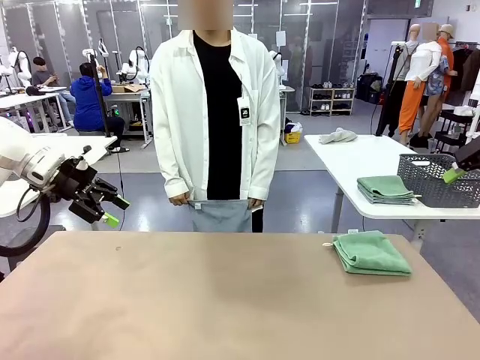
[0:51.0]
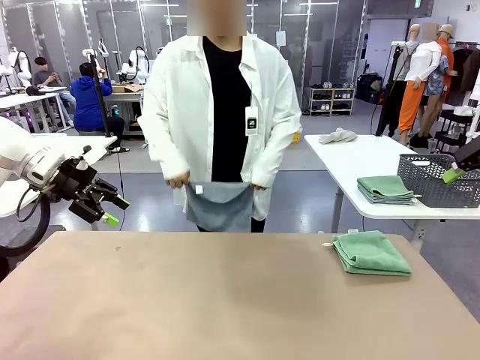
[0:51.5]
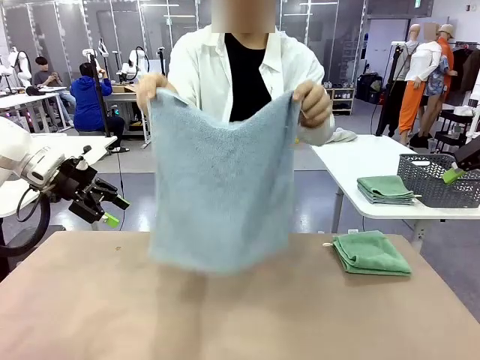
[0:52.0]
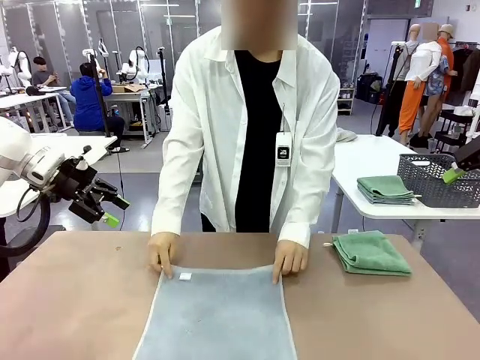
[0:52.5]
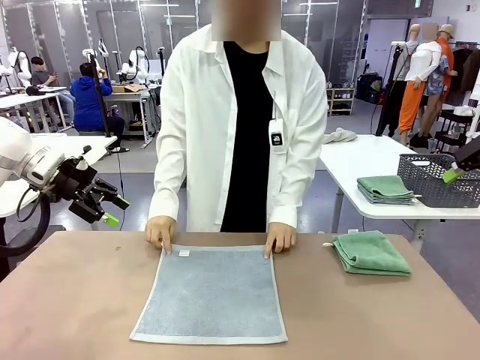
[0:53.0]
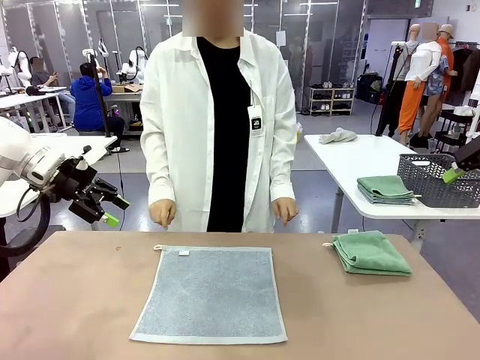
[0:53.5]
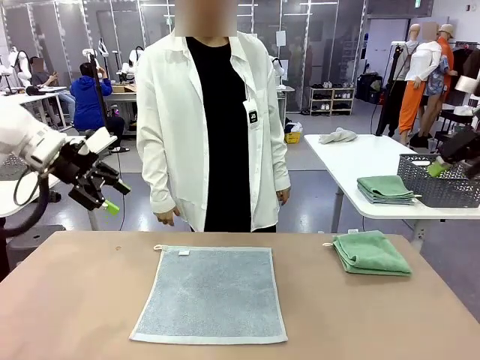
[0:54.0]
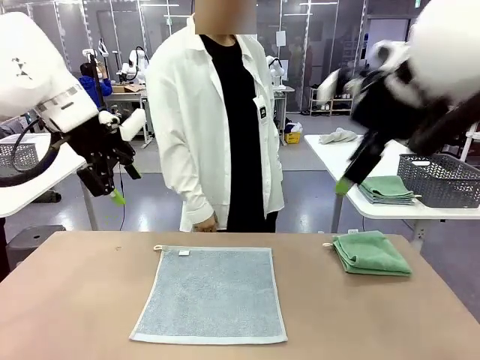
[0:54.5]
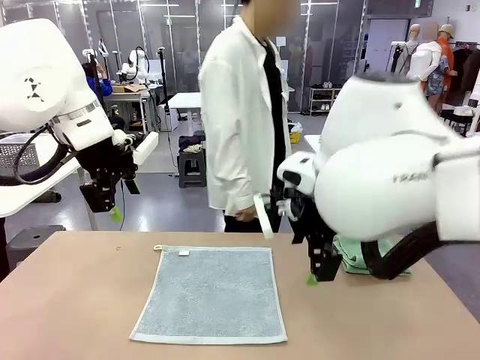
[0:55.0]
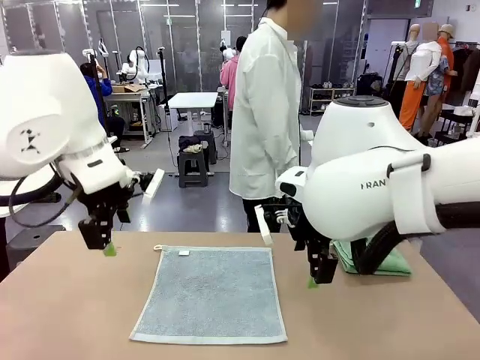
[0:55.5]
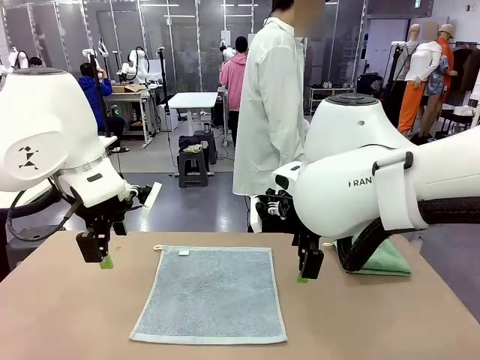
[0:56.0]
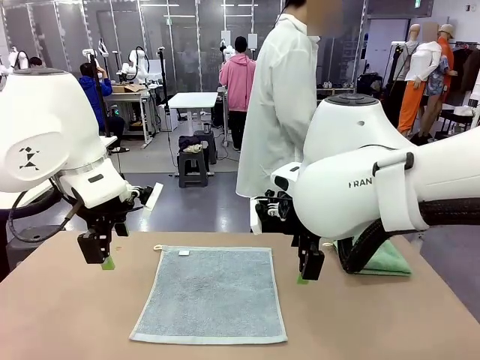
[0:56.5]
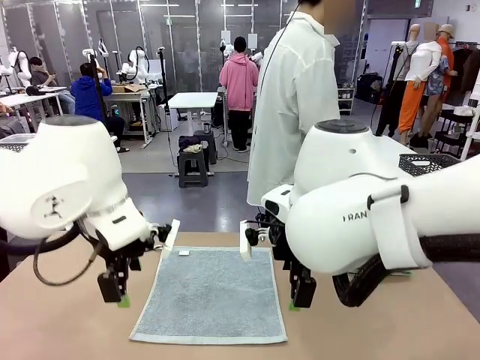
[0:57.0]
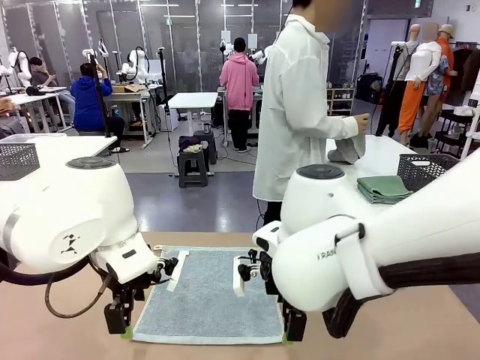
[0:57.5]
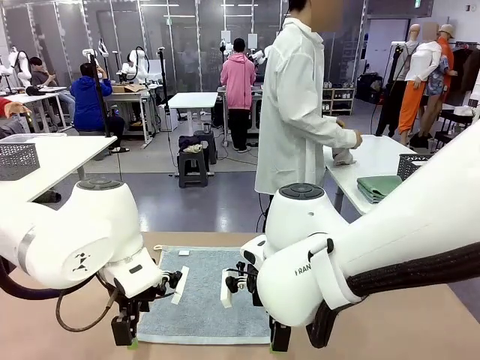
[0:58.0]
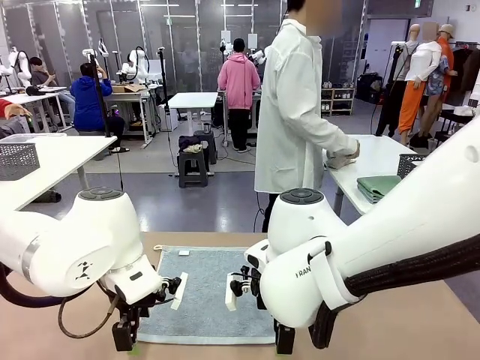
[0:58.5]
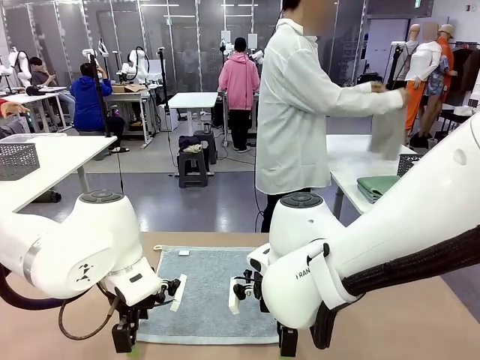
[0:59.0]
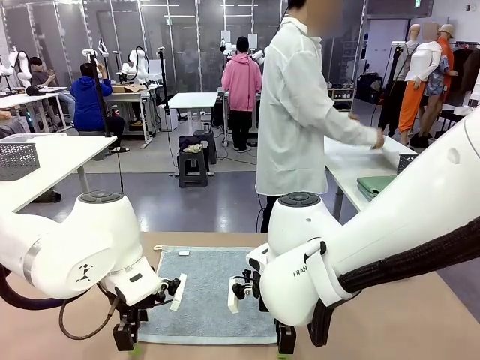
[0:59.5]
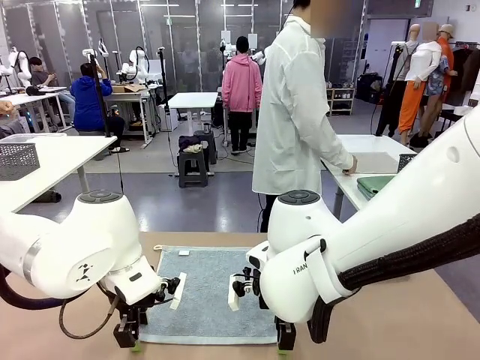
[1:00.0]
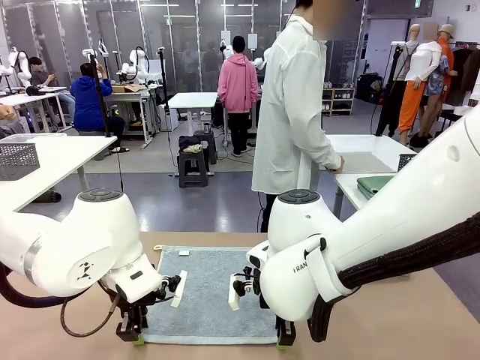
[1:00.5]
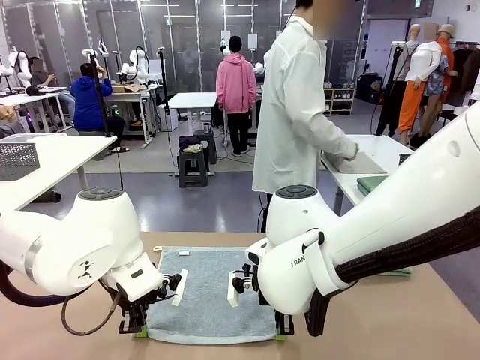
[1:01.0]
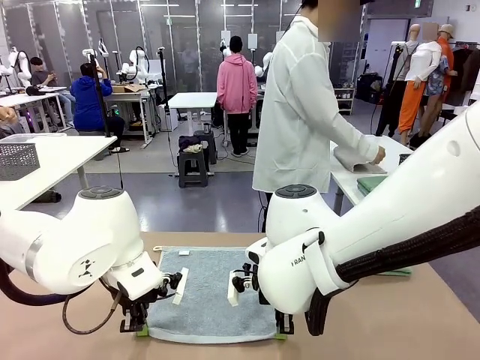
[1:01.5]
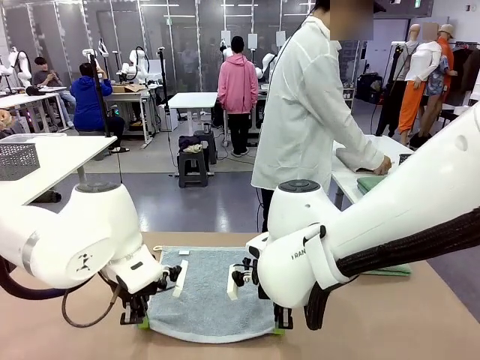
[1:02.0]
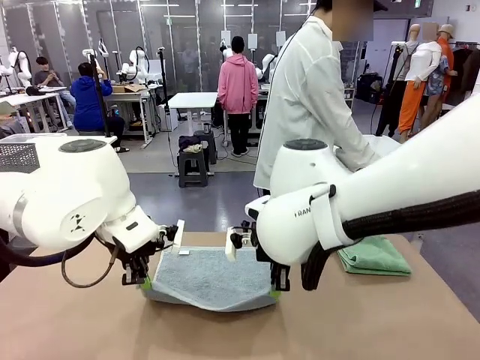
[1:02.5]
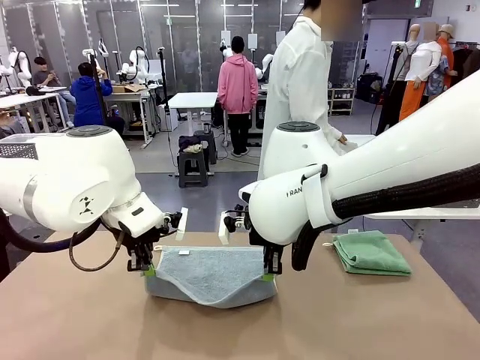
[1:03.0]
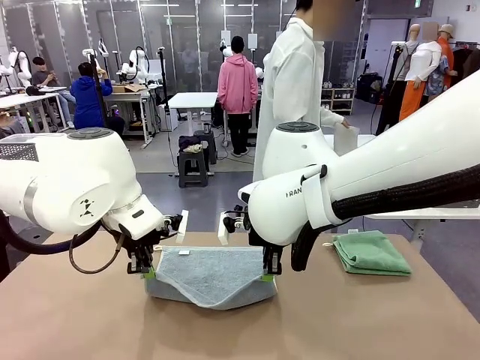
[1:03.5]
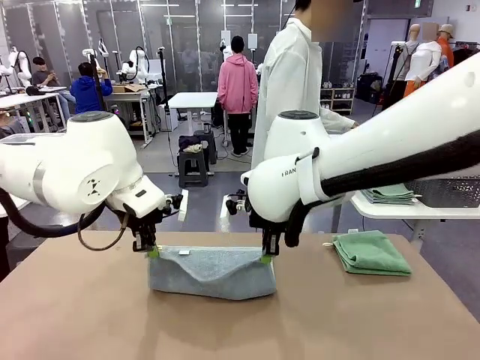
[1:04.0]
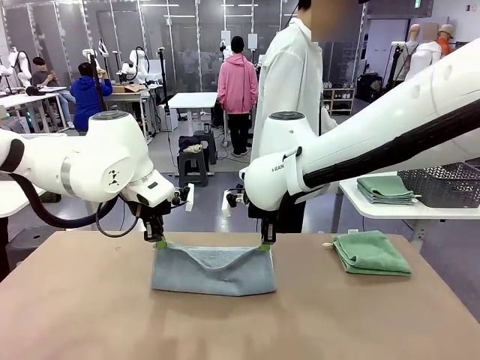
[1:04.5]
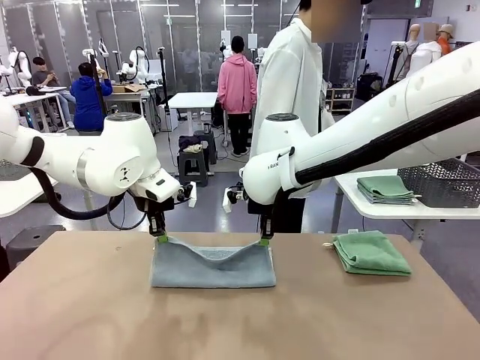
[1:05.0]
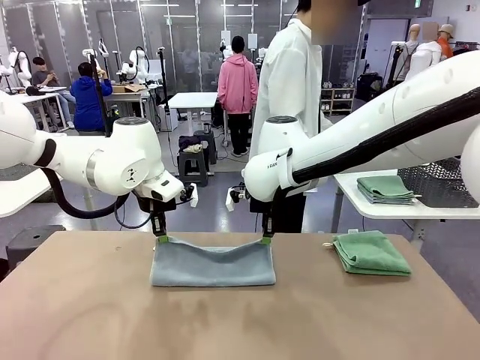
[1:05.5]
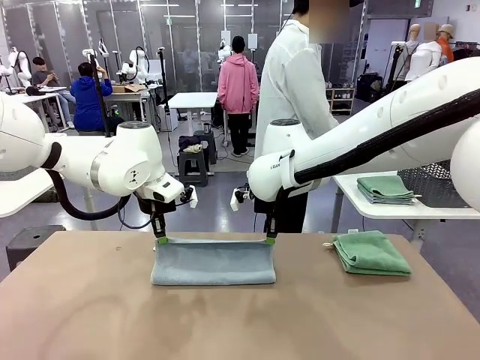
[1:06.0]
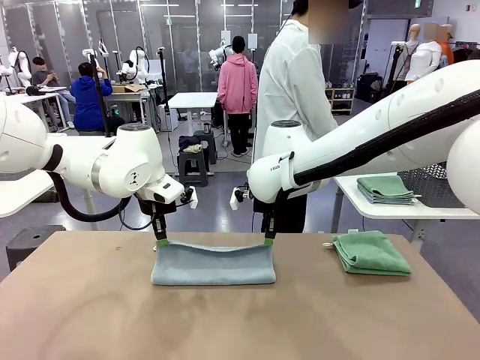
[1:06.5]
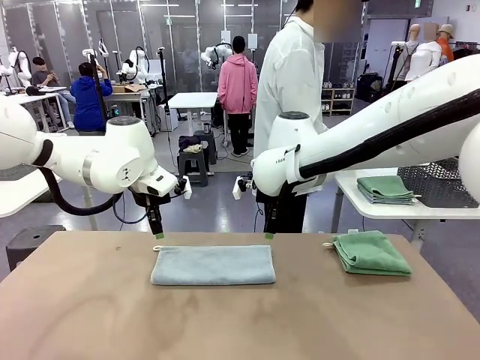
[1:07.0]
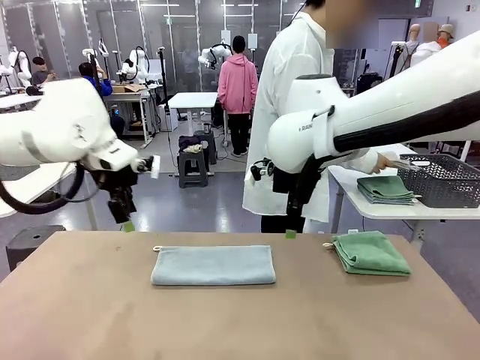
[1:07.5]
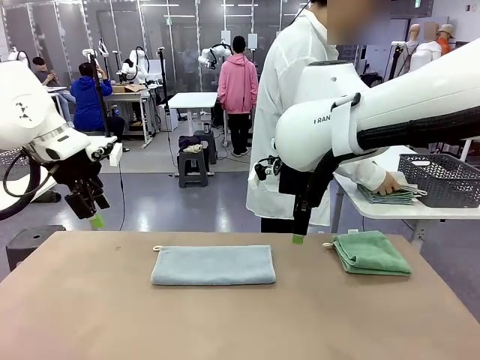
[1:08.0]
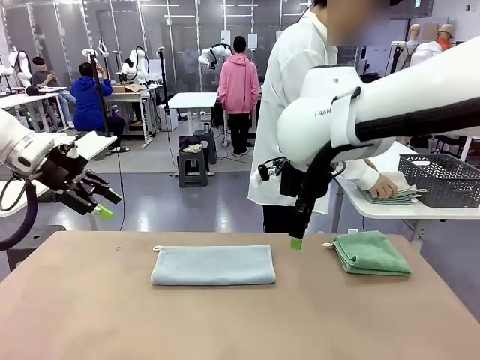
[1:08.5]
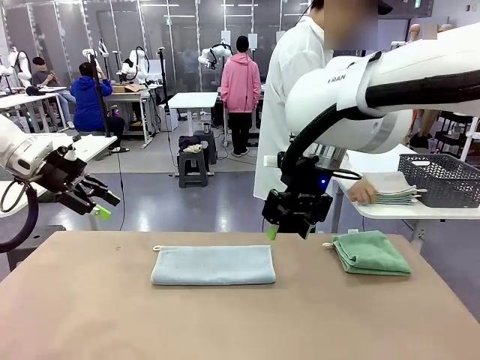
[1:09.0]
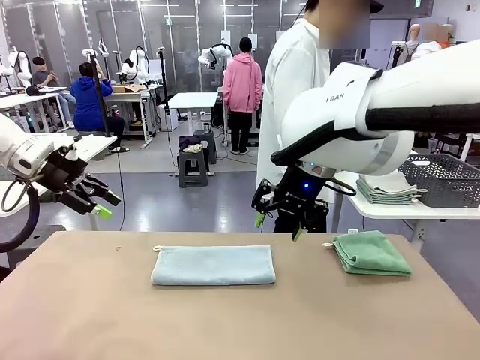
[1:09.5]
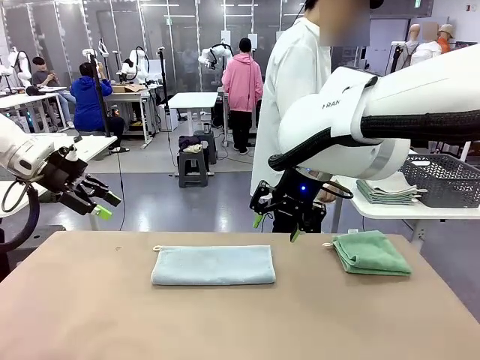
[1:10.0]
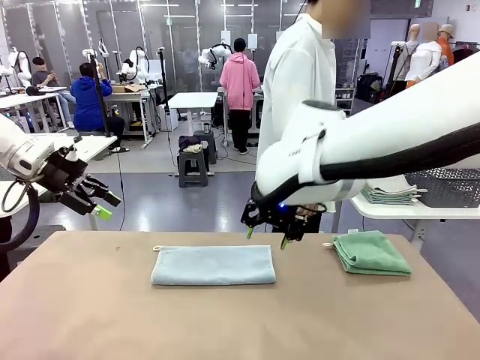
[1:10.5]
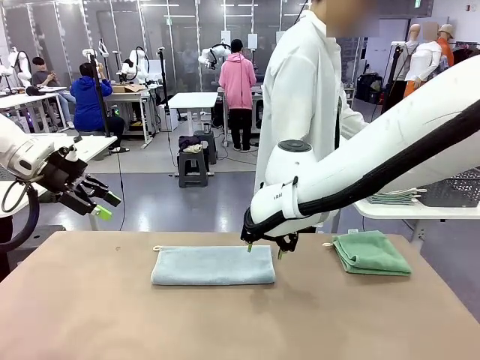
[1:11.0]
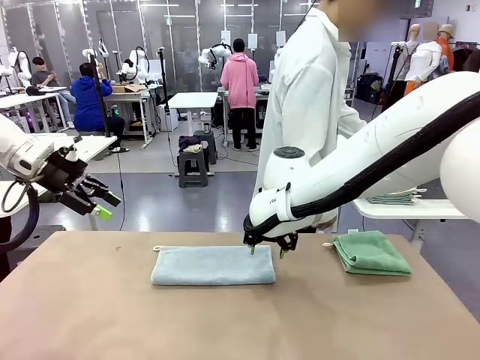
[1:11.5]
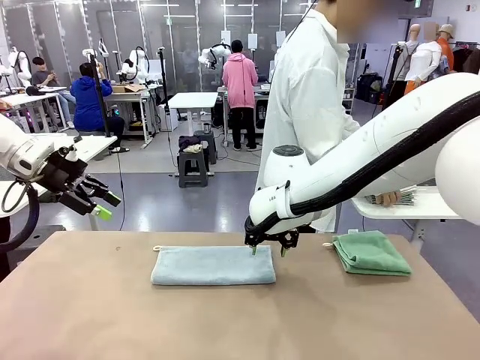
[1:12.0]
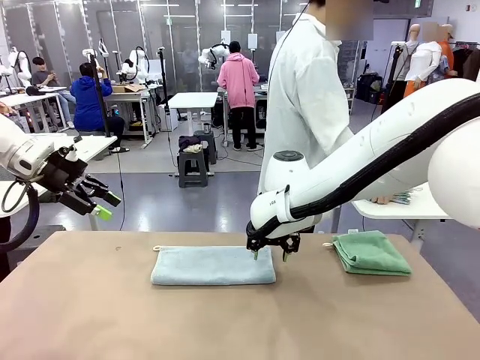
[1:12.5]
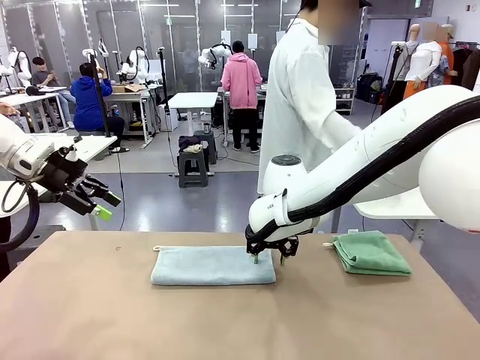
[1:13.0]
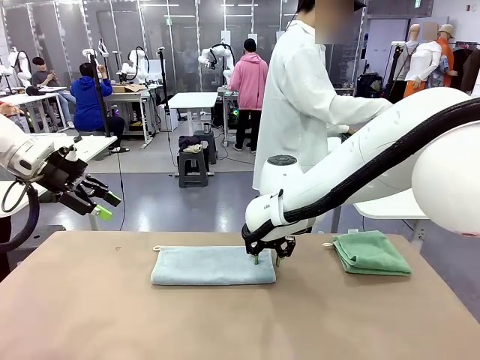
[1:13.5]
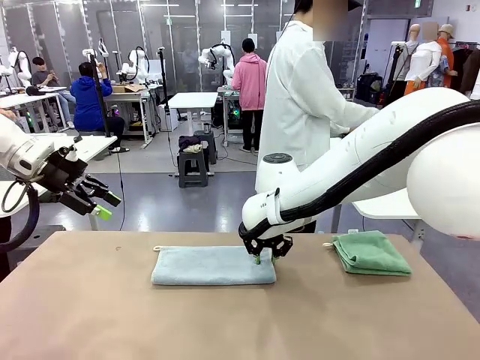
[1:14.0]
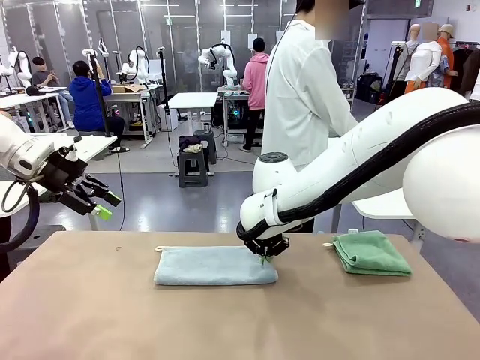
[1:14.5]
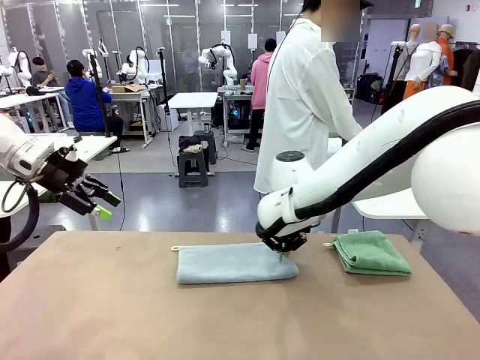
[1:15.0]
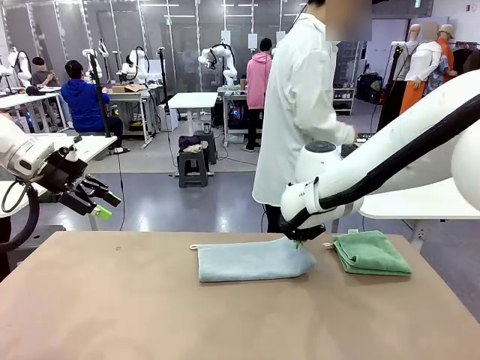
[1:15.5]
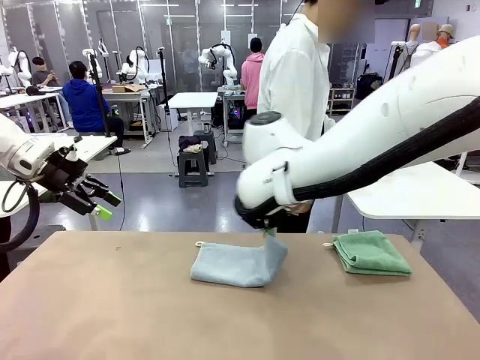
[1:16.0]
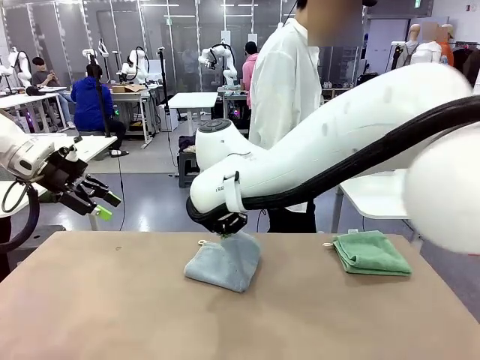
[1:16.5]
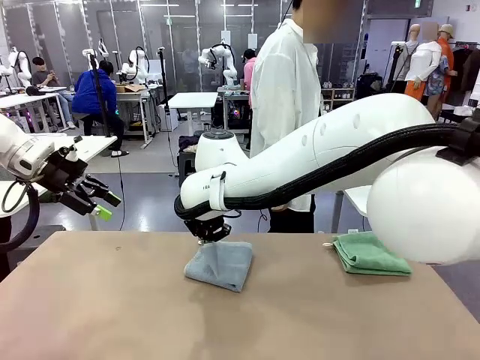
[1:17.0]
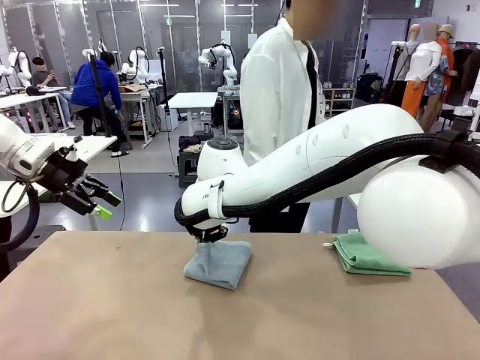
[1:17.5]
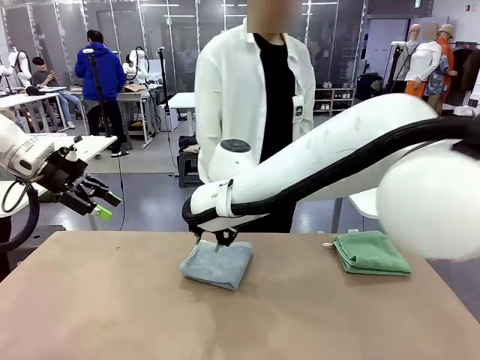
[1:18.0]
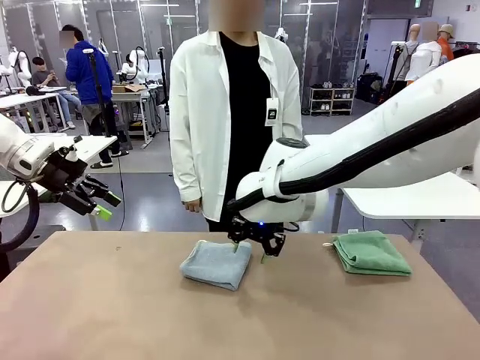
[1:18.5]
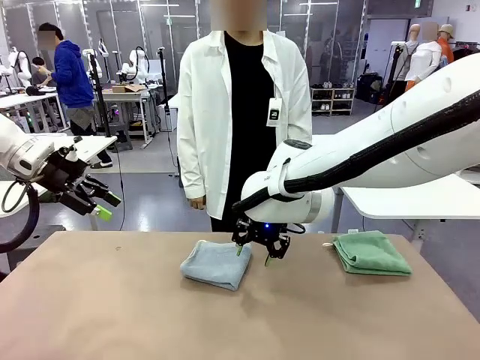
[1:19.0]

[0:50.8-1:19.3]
Task: Fold the towels and place them in the basket.
Robot: When a person lays out a Towel with hook on the table, fold it in half twice.
Person: Pick up one towel from the left side of the human table, fold it in half twice, and stack it on the right side of the table. Pick up the stack of towels from the right side of the human table, place it into the basket, and put the basket at the center of the table.
